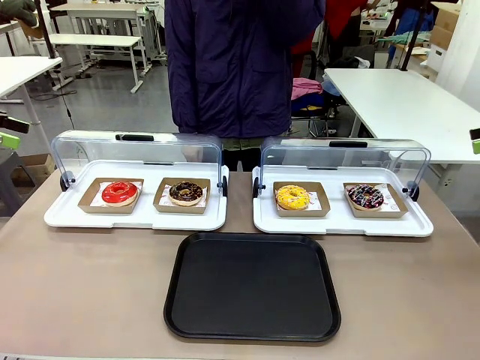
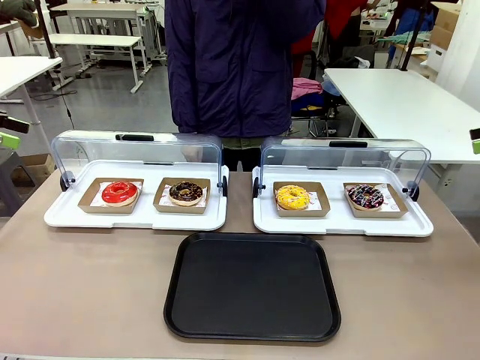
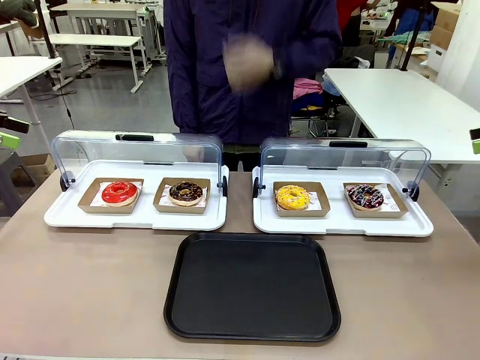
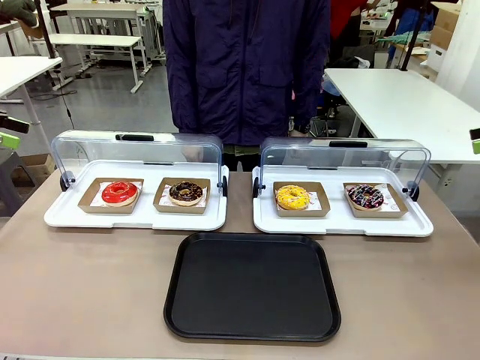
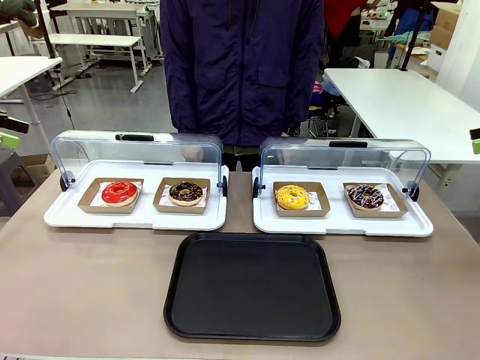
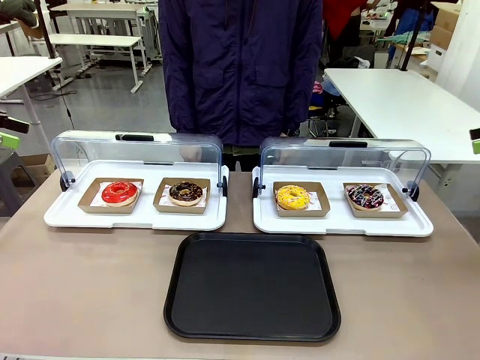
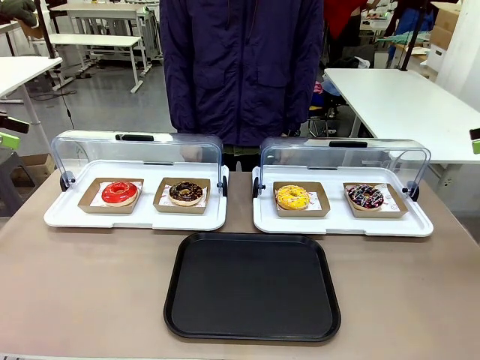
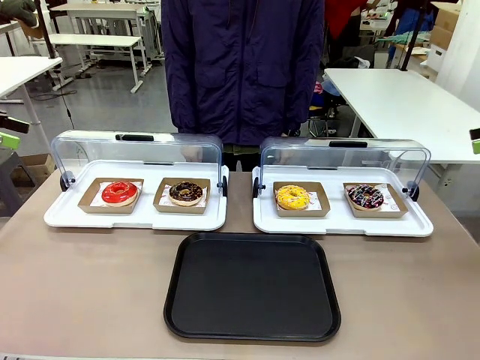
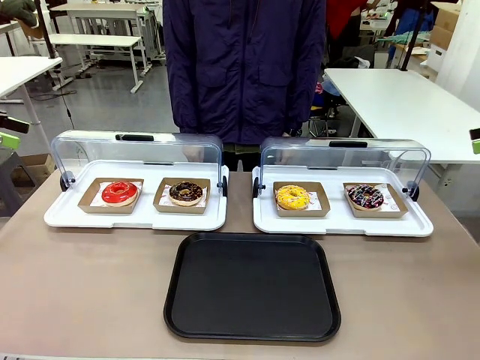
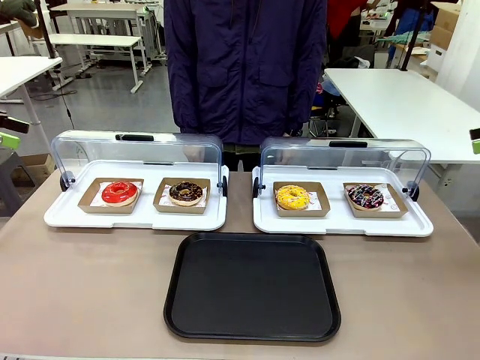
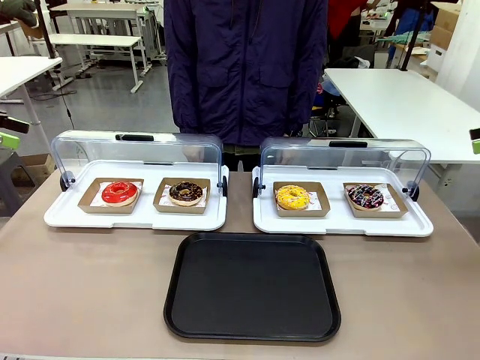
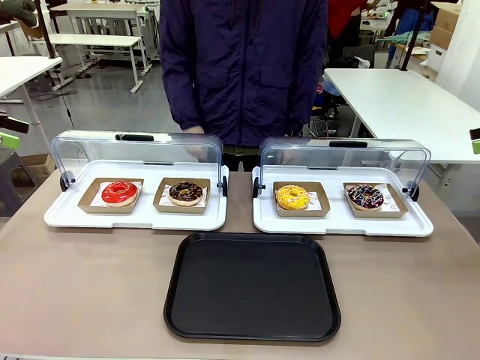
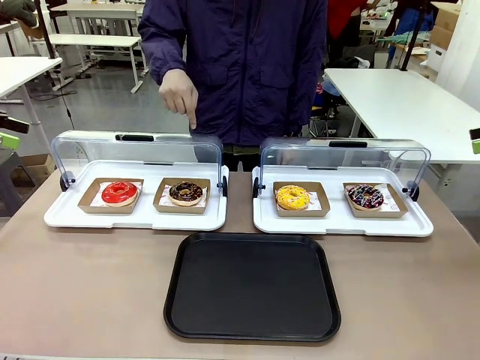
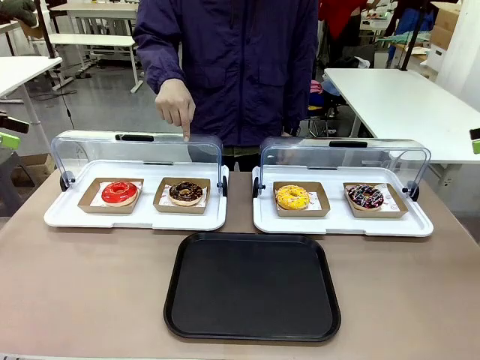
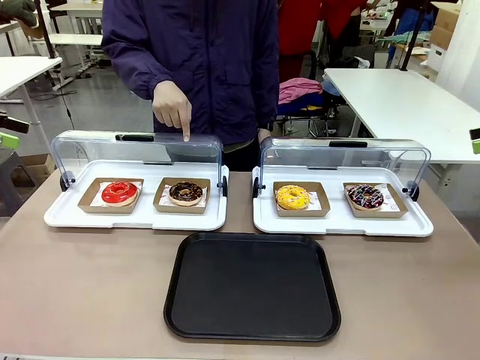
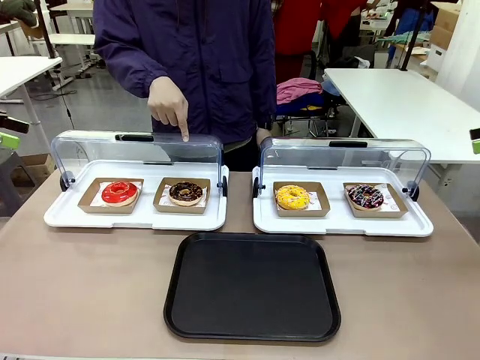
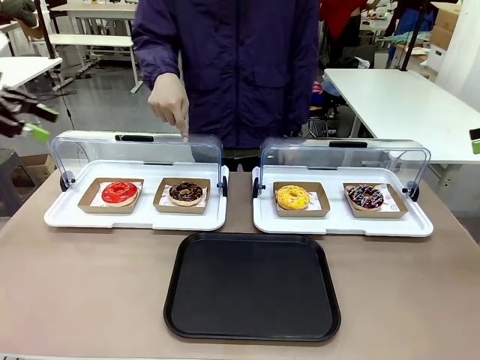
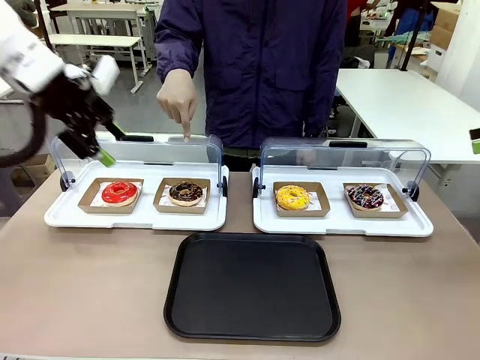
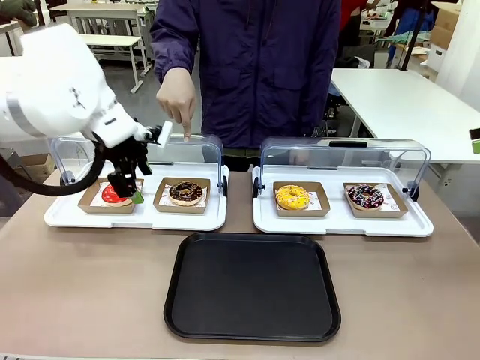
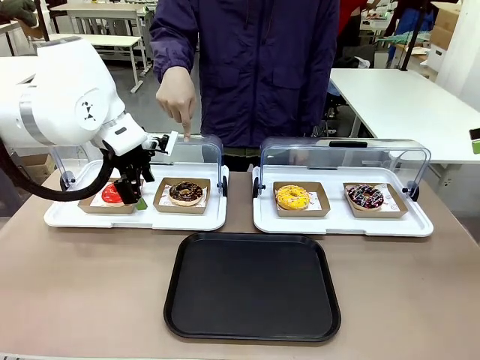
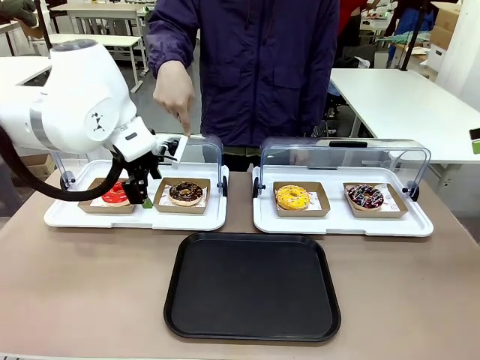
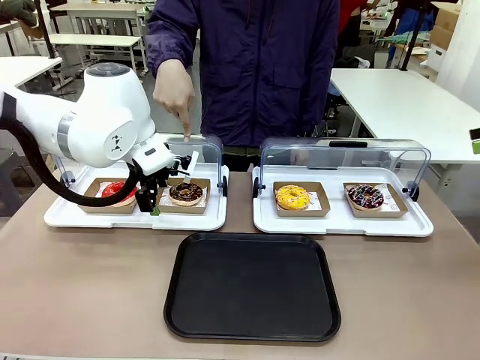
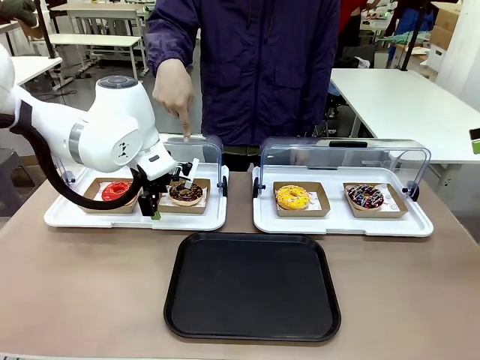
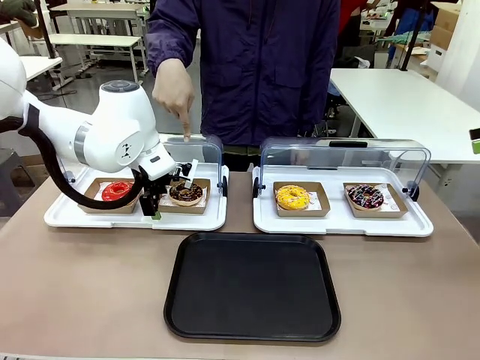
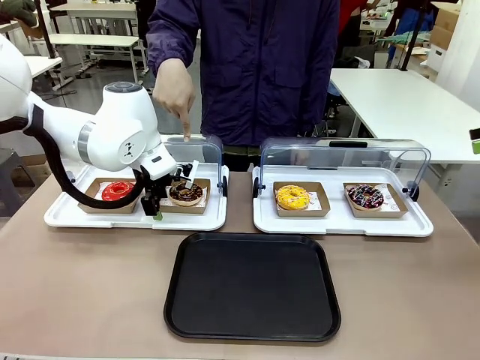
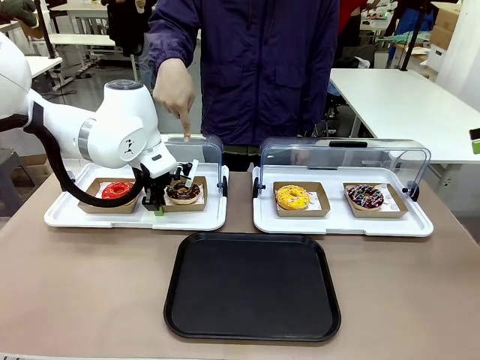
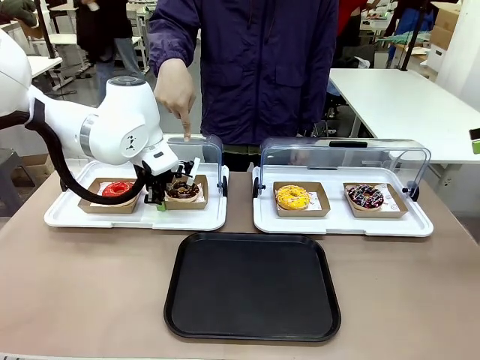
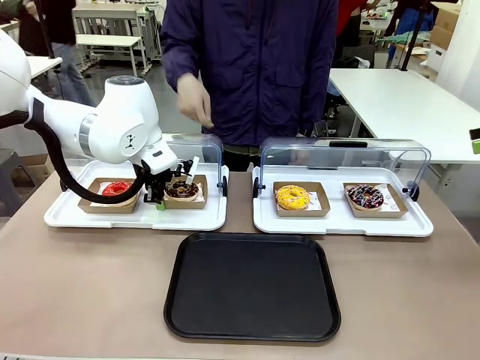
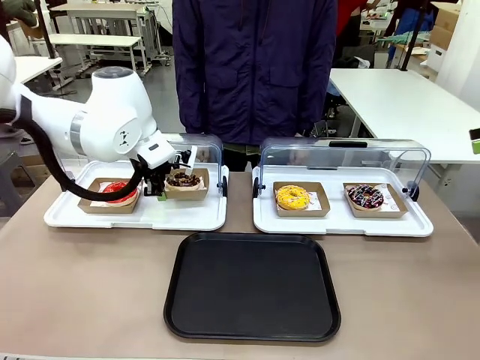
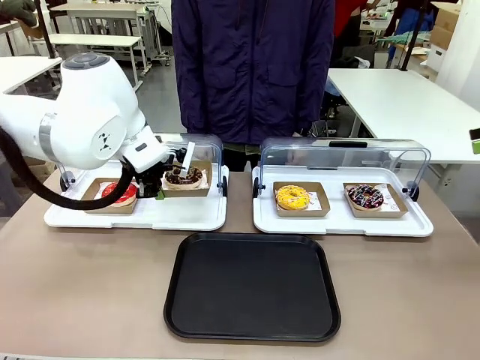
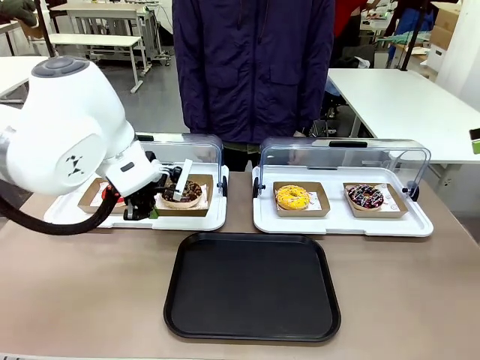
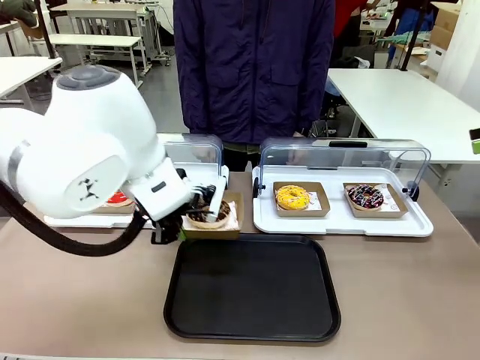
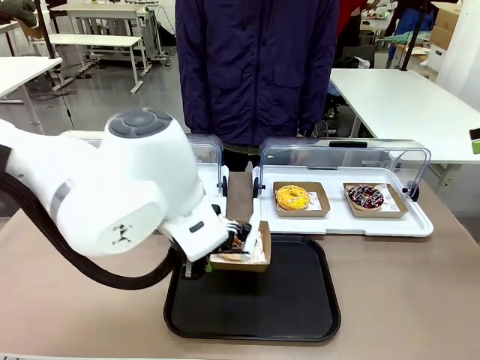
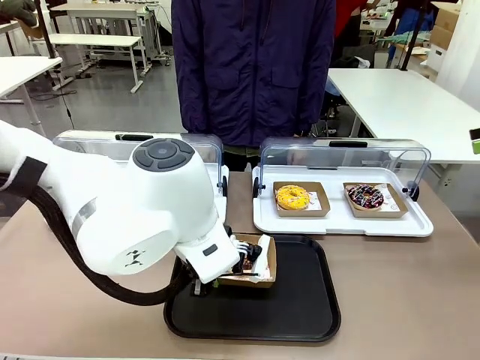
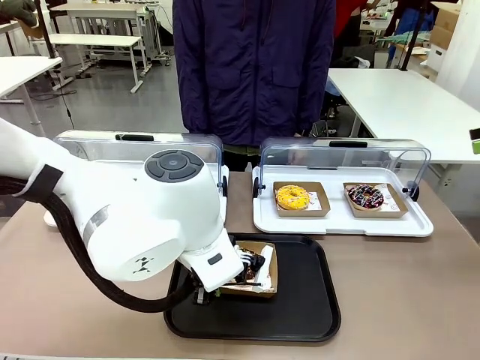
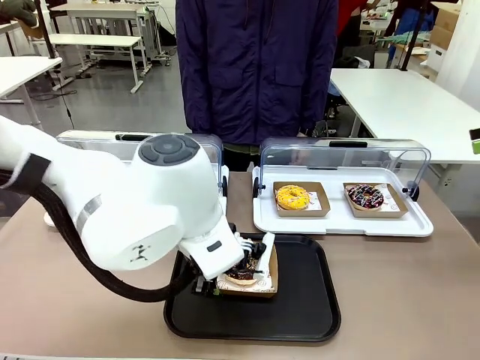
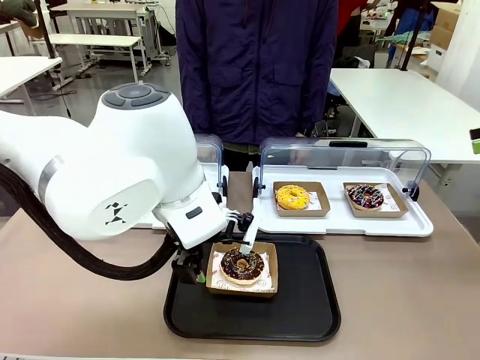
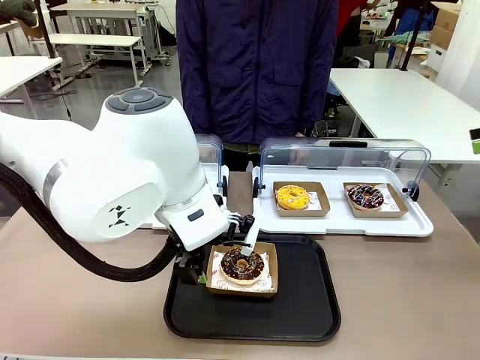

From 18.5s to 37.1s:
Task: Move the second donut from the left to the tray.
Robot: Pick up the Paper togo box containing the Donut indicated by the person and place it on the Handle tray.
Person: Points to the second donut from the left from the robot’s perspective.

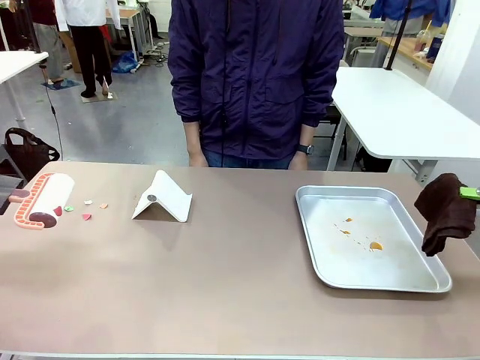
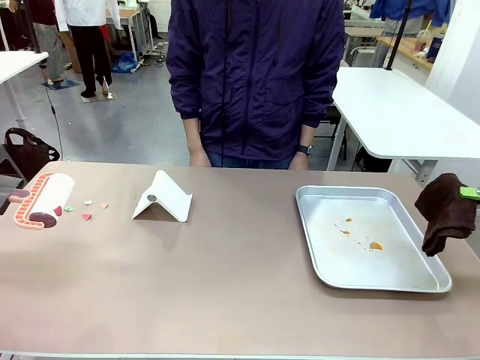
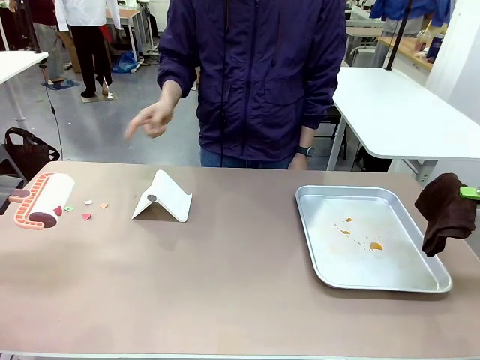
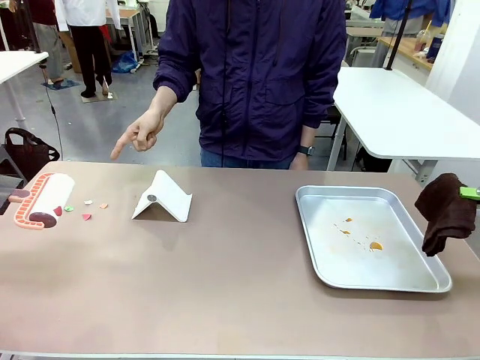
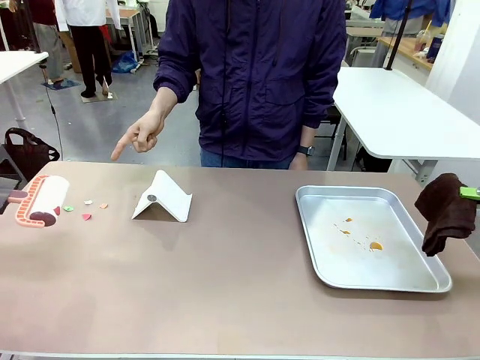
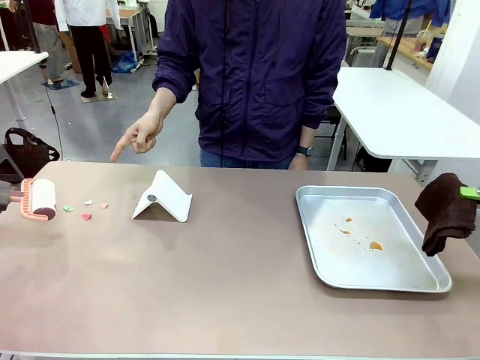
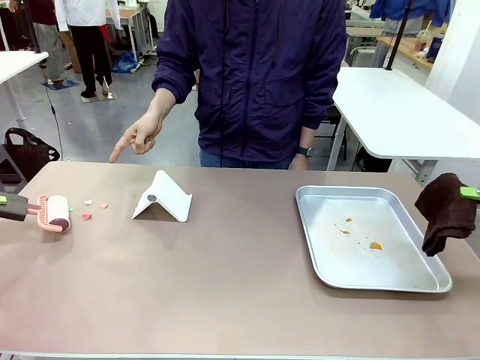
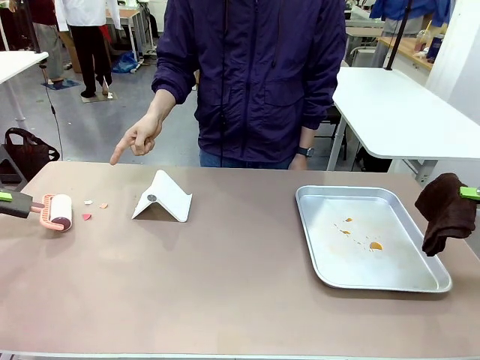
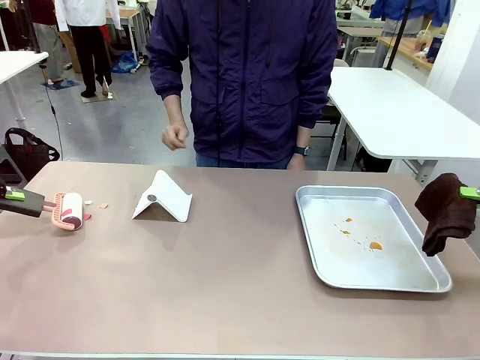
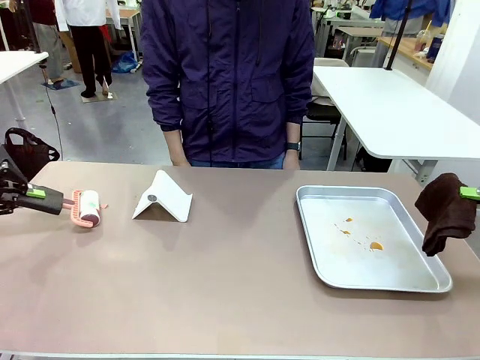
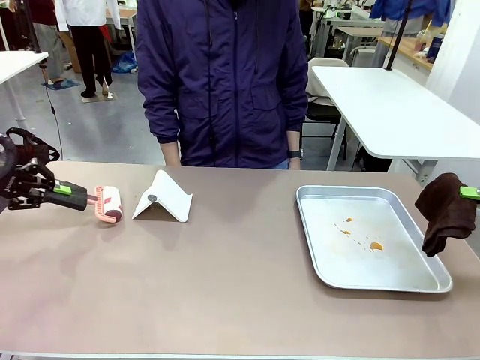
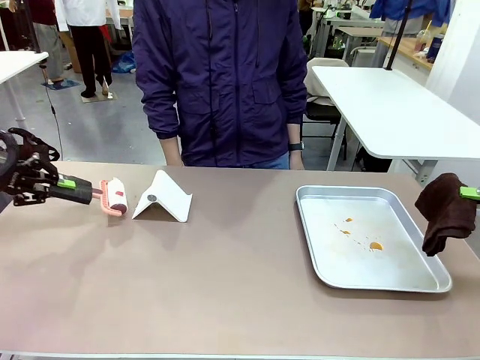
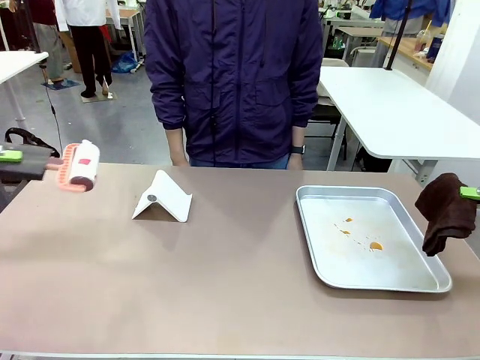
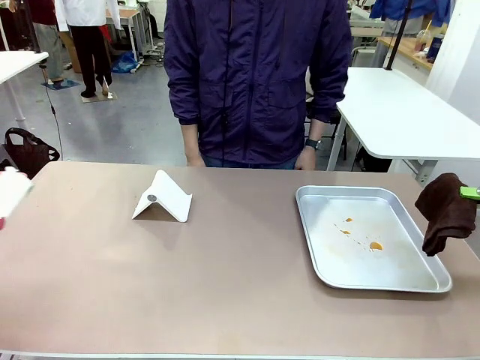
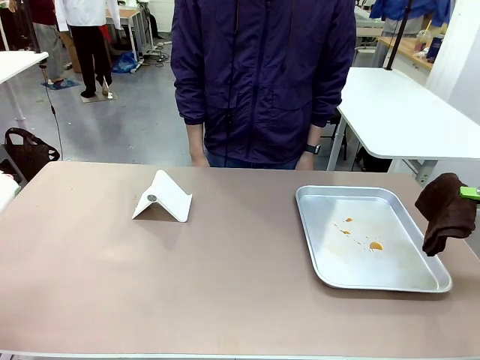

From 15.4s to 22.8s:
Task: Clean the surface of the table.
Robot: If a person points to the right, clean the right side of the table with your right hand, and if they point to the left, clean the left side with your left hand.
